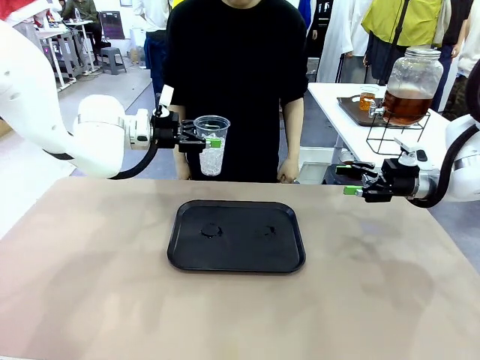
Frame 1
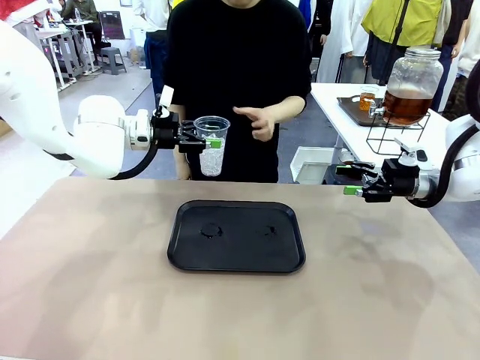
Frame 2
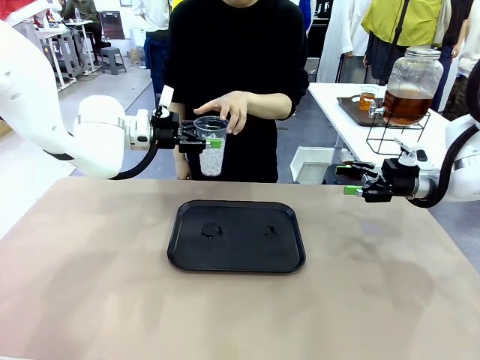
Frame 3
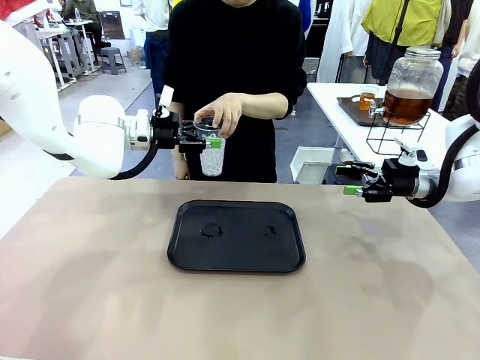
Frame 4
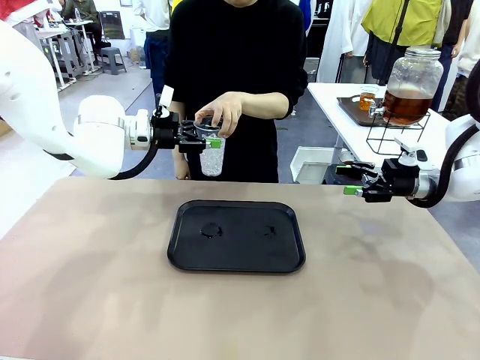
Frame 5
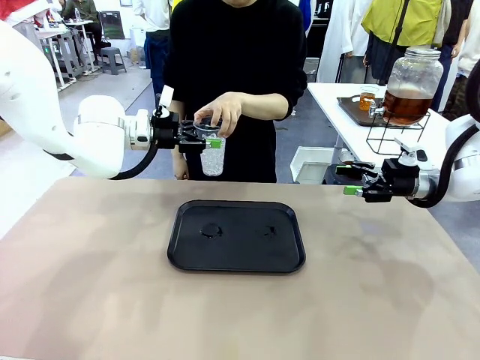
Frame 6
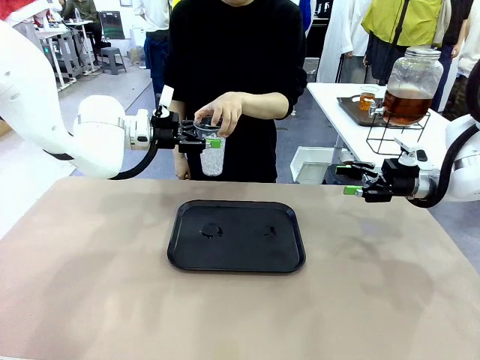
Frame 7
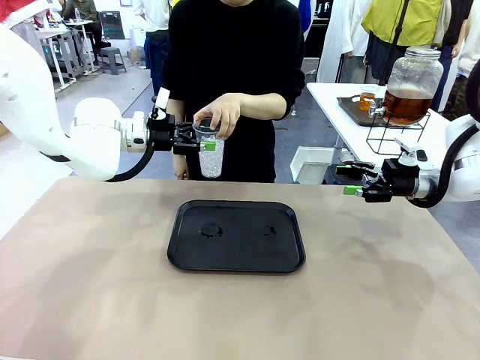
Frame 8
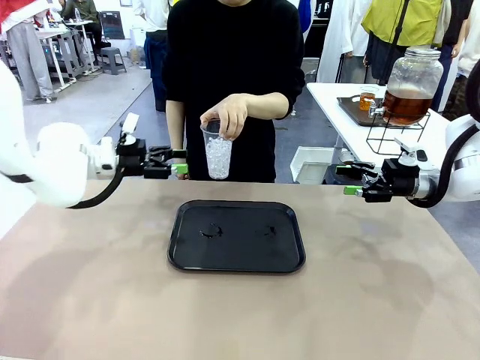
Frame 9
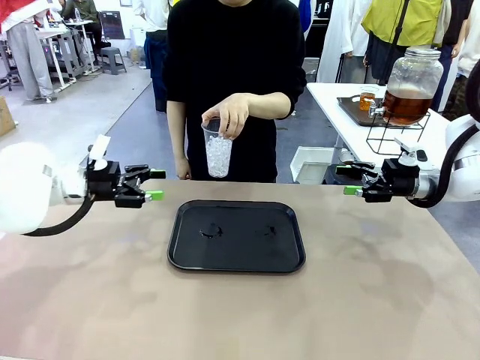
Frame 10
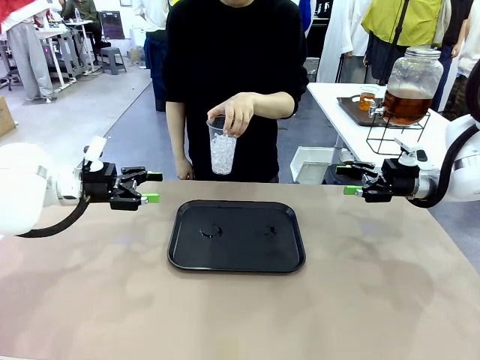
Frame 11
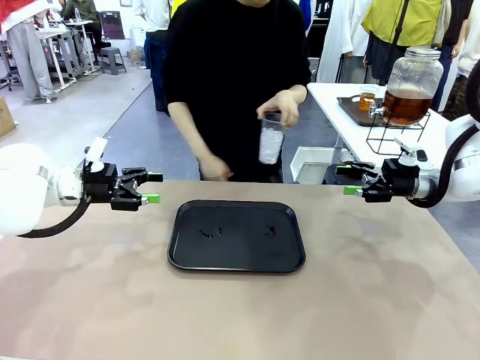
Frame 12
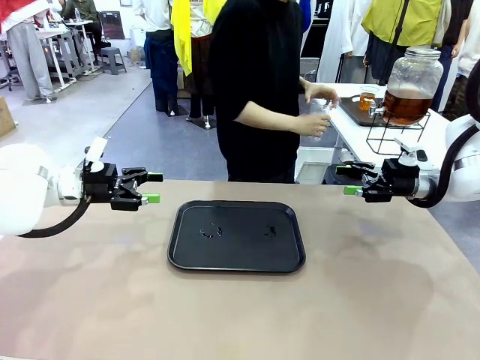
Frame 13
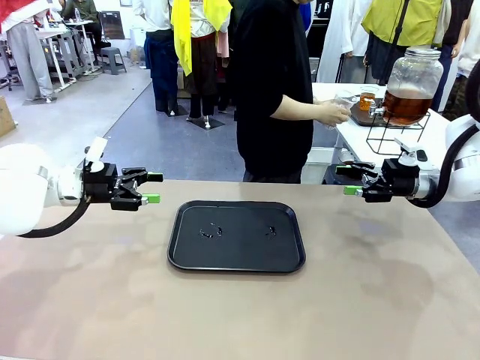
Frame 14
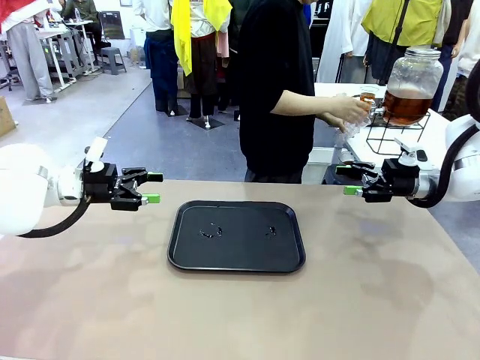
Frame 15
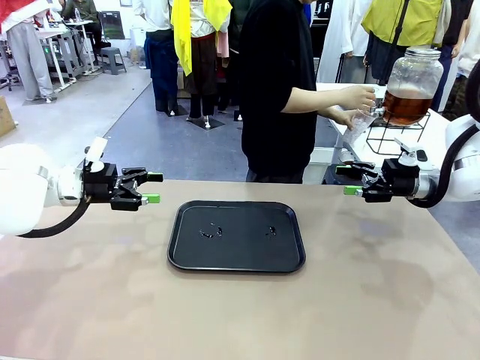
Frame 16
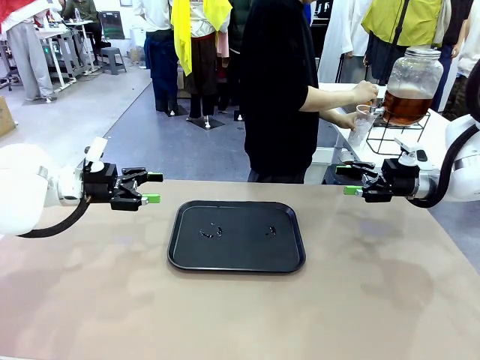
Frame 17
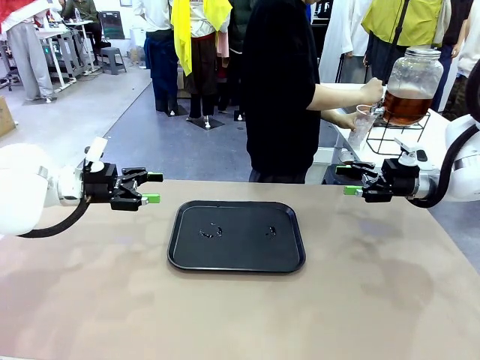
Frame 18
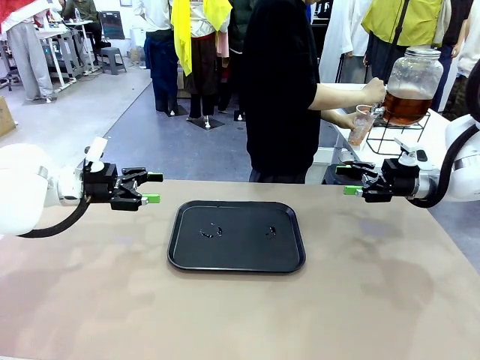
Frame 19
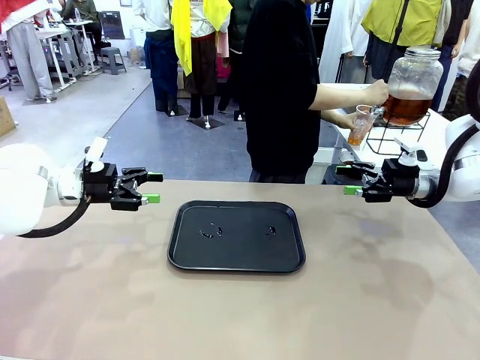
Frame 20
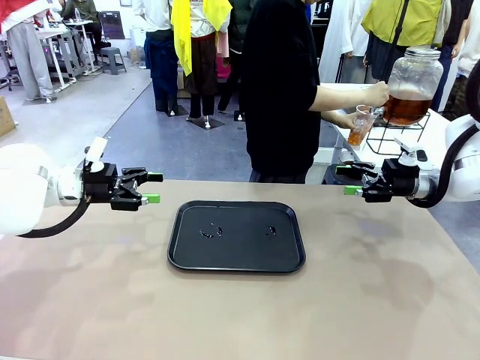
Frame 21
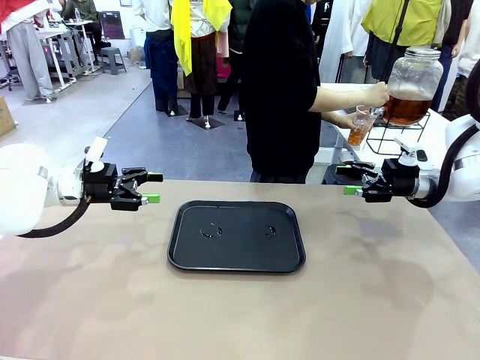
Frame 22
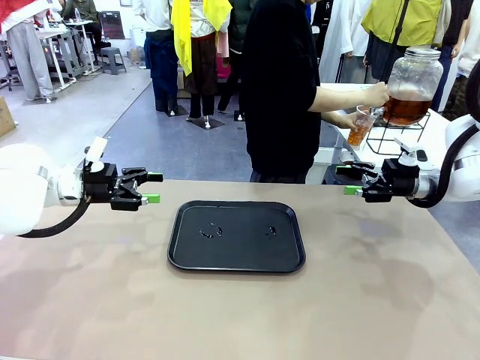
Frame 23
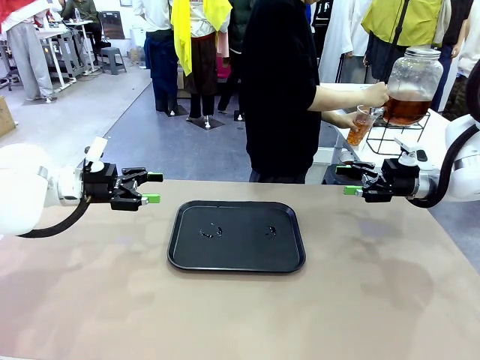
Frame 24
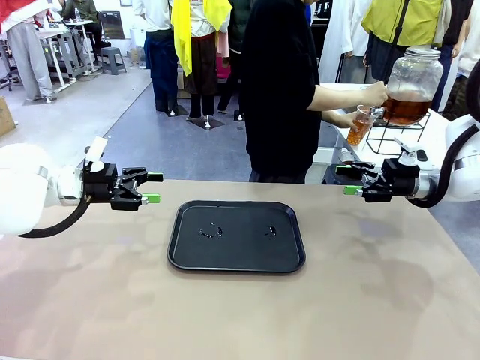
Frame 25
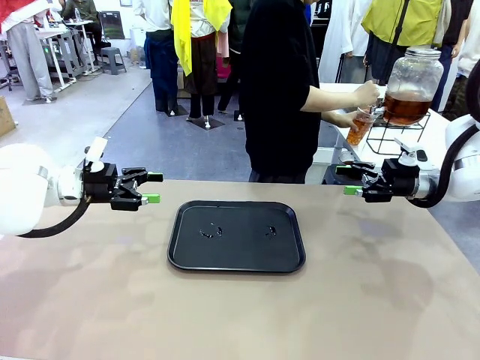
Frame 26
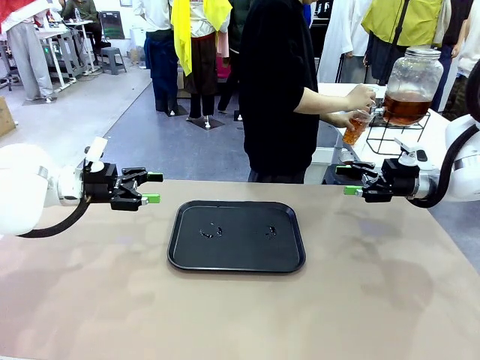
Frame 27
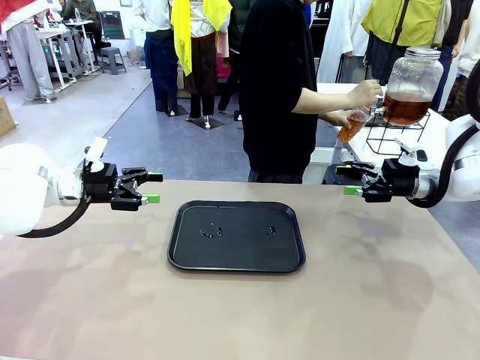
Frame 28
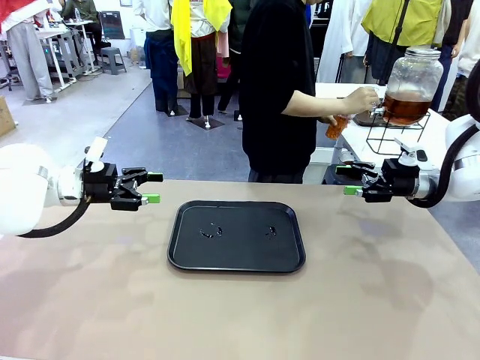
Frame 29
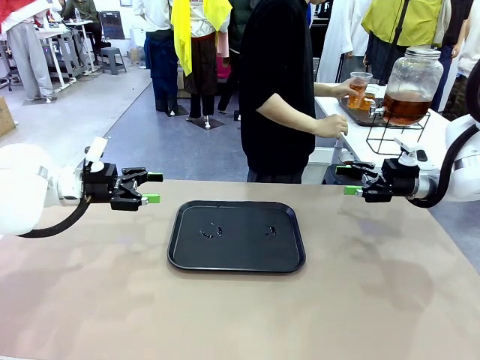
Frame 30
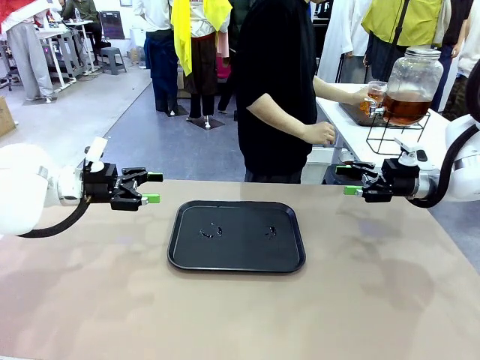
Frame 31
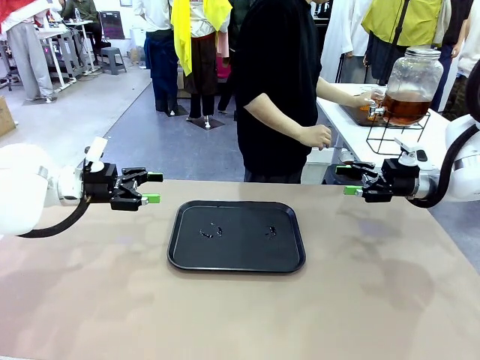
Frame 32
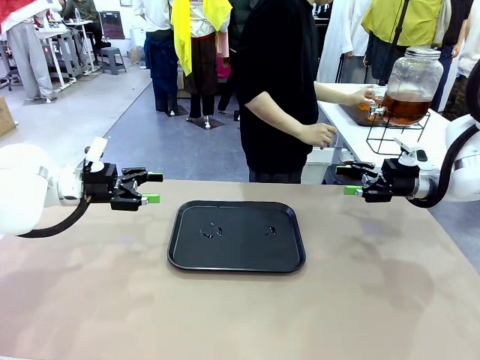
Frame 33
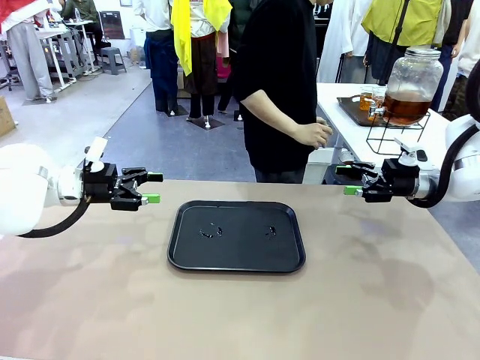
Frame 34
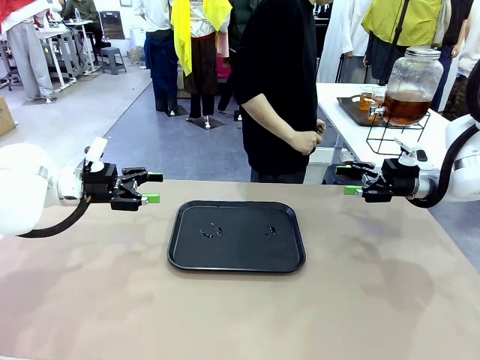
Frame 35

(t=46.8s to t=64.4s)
Task: Pour the drink into the iced cup.
Robot: Open the gripper to release the iced cup you were holding.
Person: Move the picked-up cup under the dispenser faucet, pour the drink, and place it on the tray on the human table.

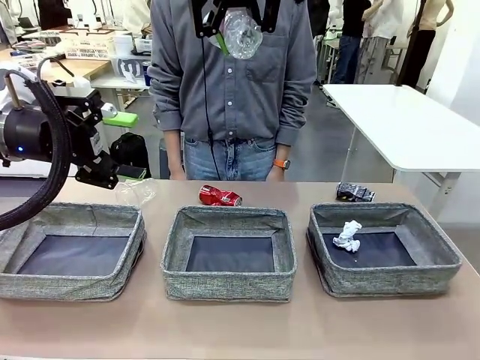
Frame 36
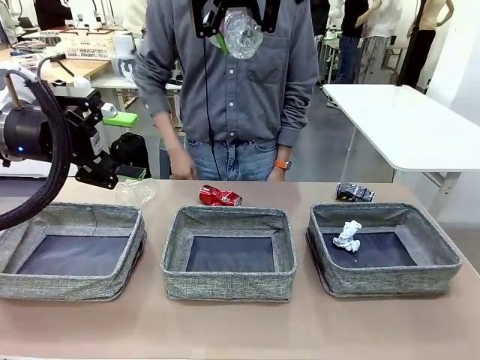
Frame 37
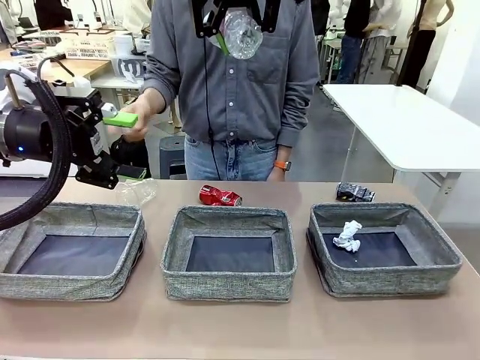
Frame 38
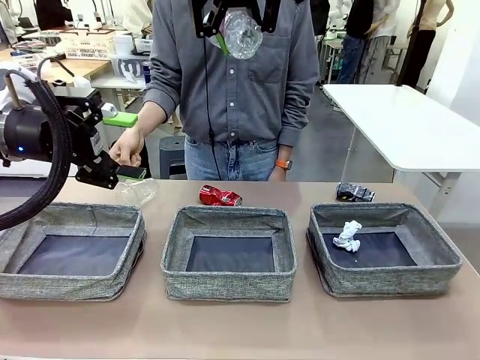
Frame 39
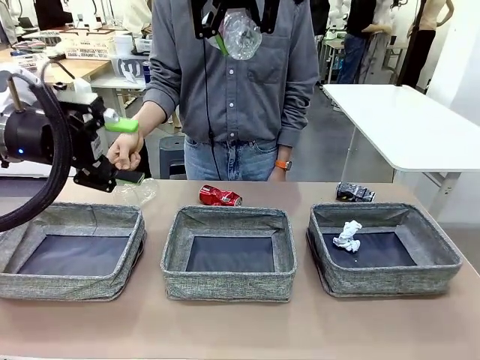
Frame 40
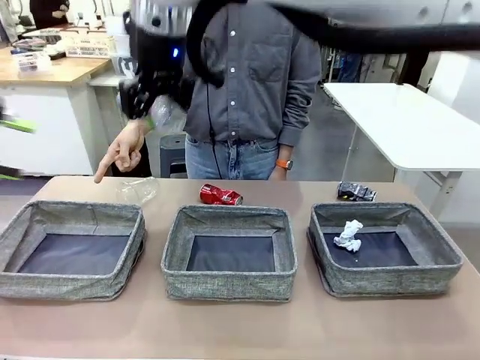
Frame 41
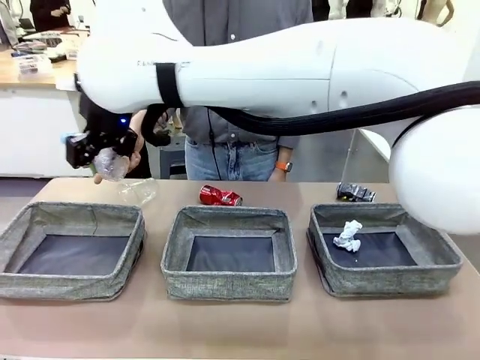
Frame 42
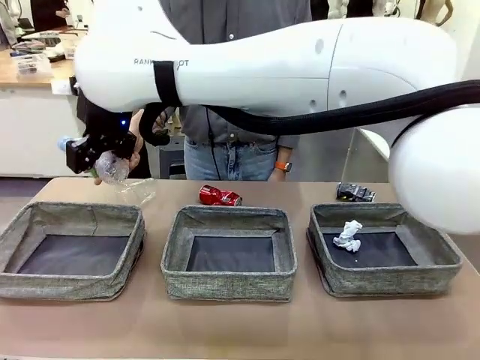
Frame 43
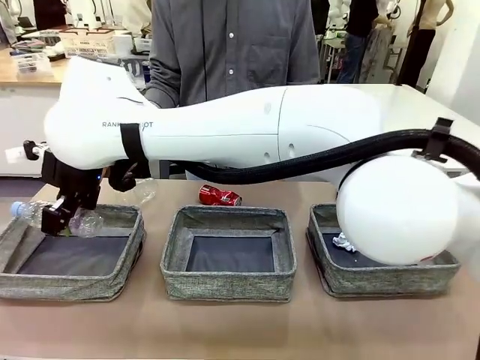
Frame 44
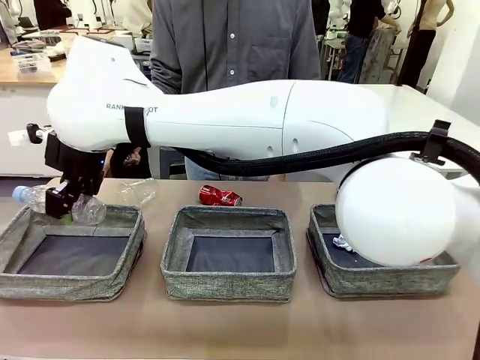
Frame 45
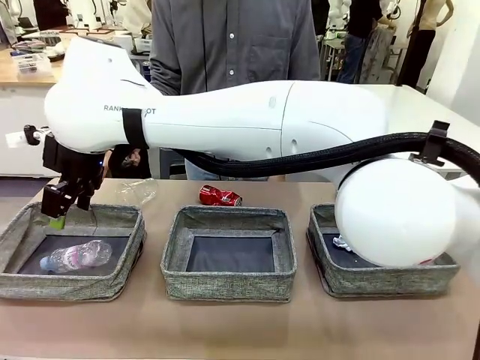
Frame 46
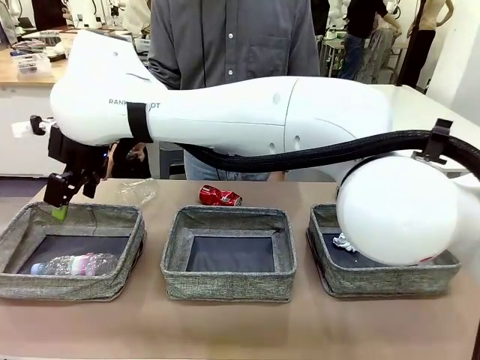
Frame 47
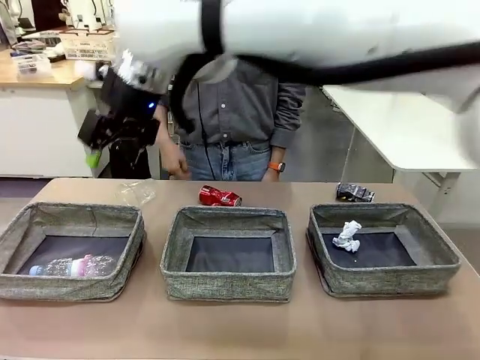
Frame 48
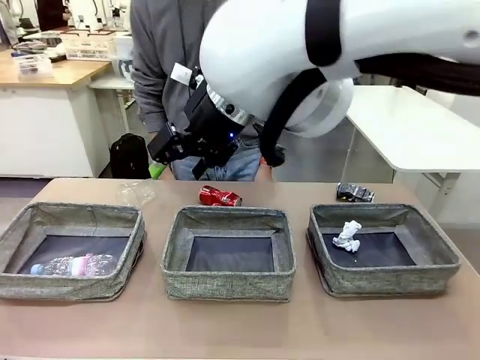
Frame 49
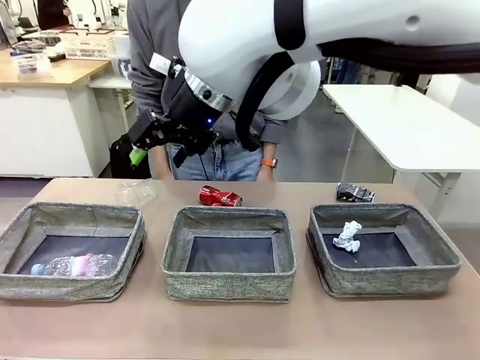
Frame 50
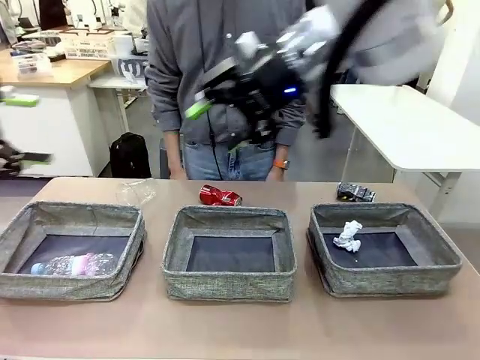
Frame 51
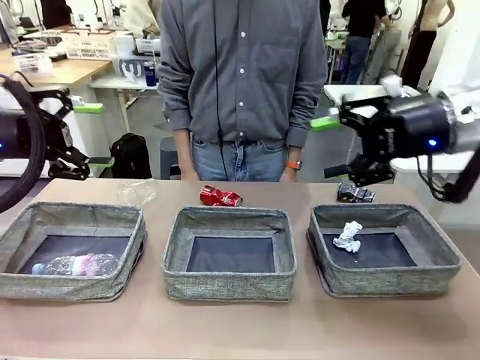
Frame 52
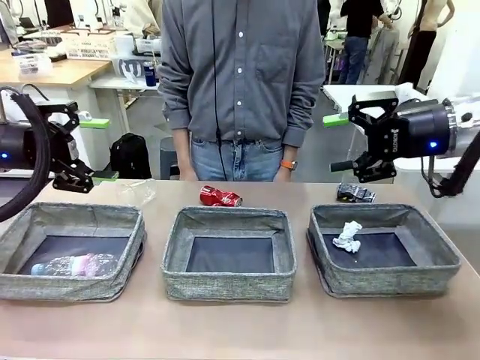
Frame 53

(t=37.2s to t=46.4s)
Task: Sort the waste into the appropriate baskets.
Robot: Place the picked waste into the Fabric basket indicated by the person.
Person: Instructs the robot to place the picked-up trash into the appropriate organizing basket.
